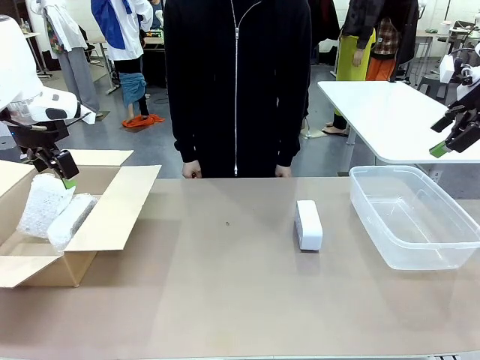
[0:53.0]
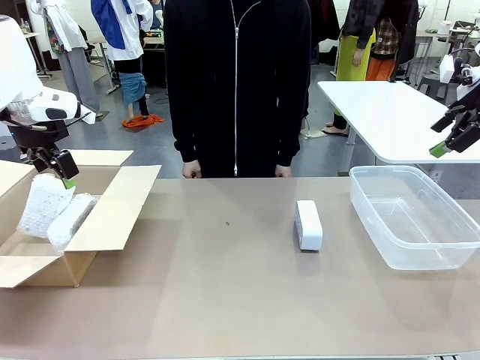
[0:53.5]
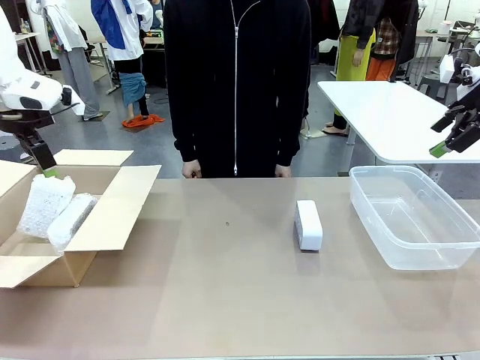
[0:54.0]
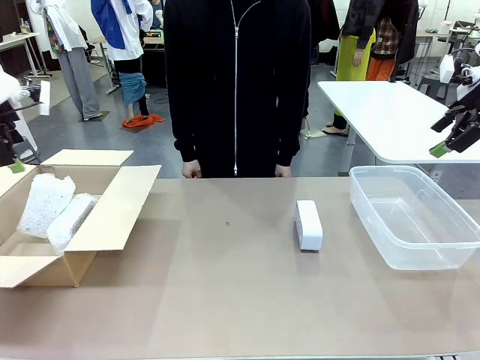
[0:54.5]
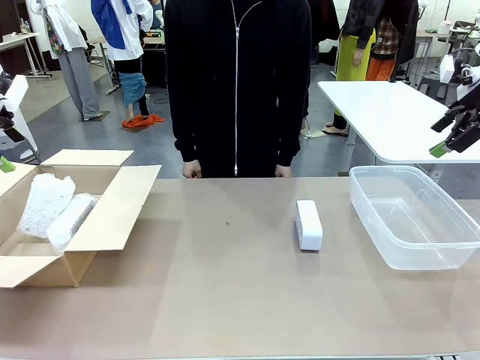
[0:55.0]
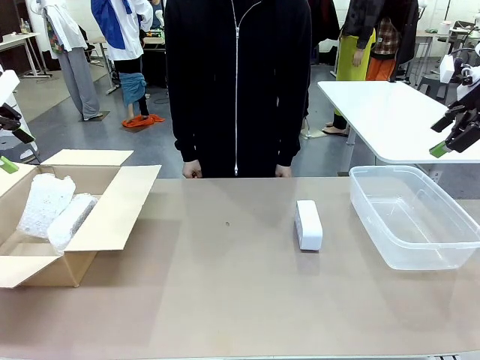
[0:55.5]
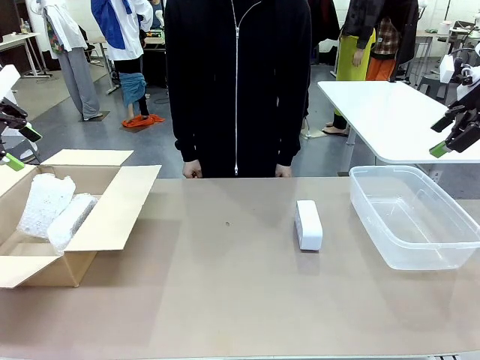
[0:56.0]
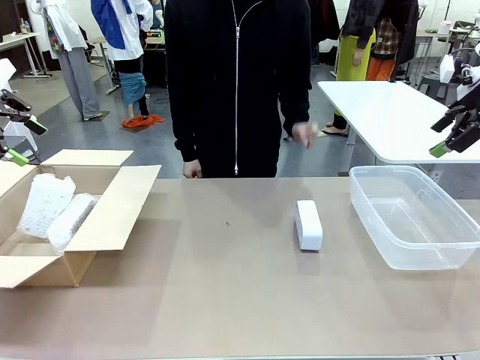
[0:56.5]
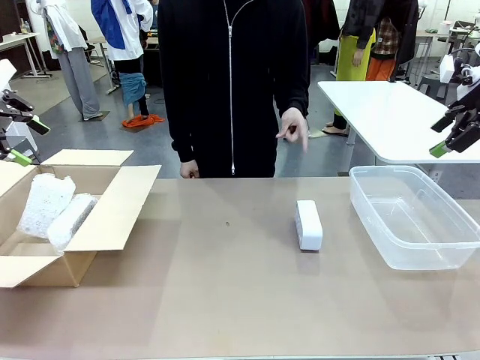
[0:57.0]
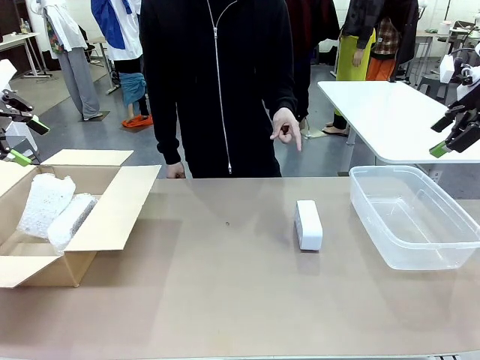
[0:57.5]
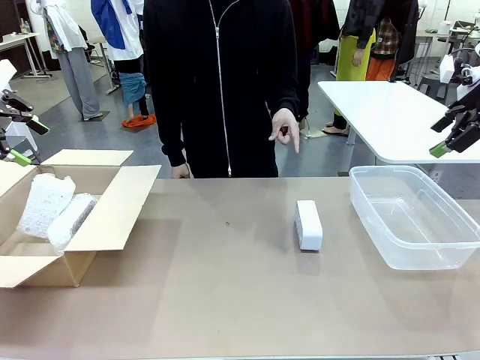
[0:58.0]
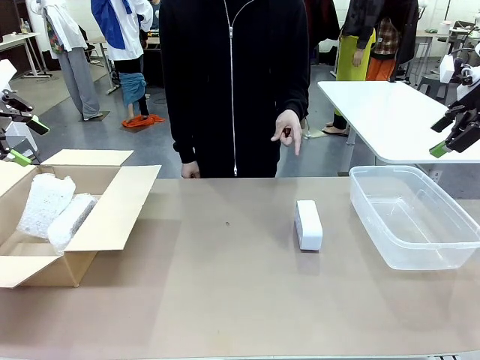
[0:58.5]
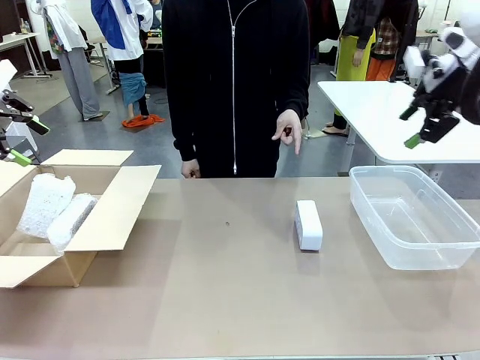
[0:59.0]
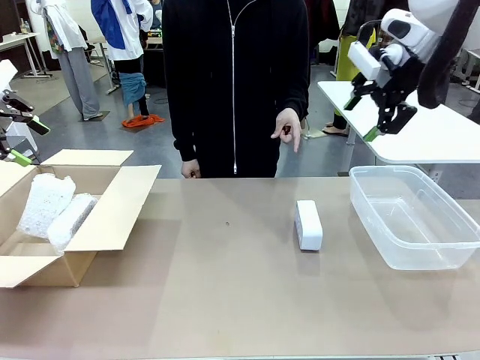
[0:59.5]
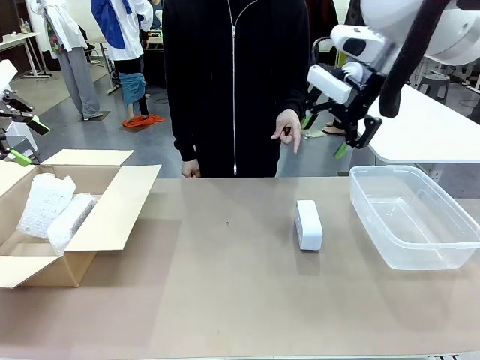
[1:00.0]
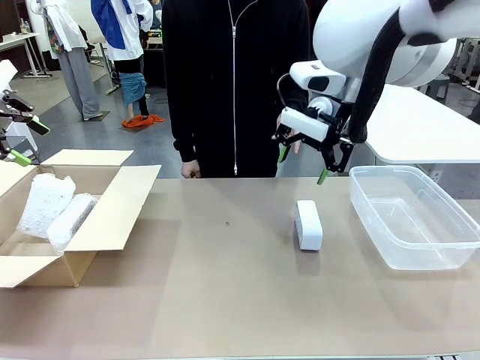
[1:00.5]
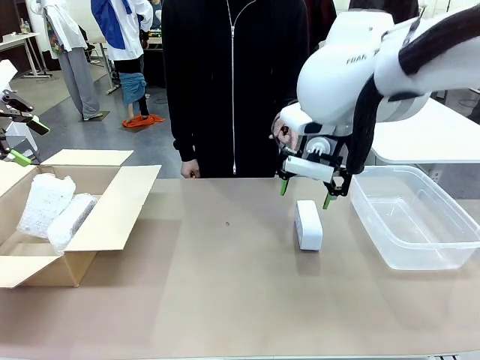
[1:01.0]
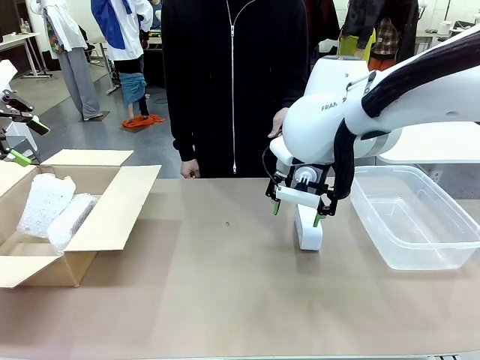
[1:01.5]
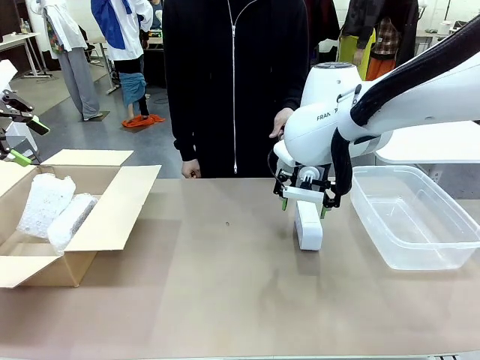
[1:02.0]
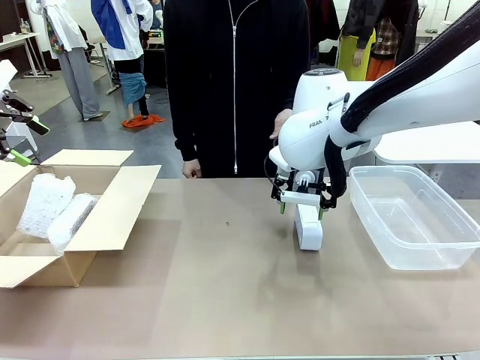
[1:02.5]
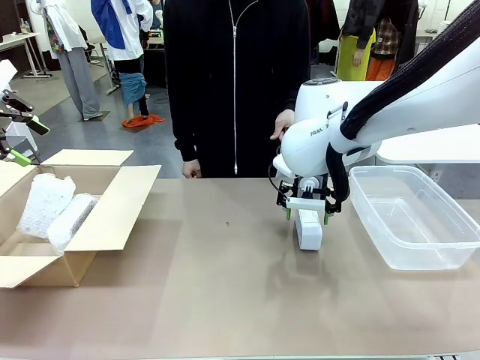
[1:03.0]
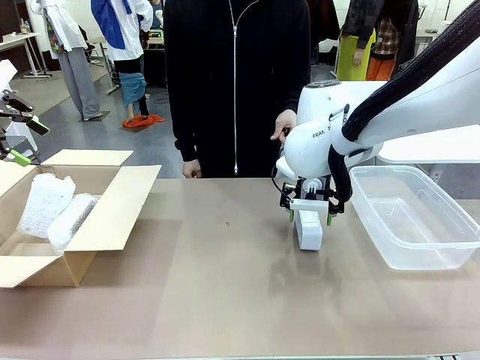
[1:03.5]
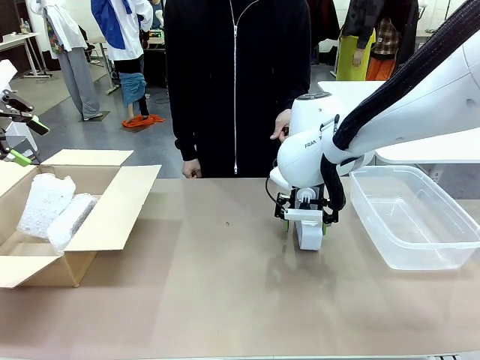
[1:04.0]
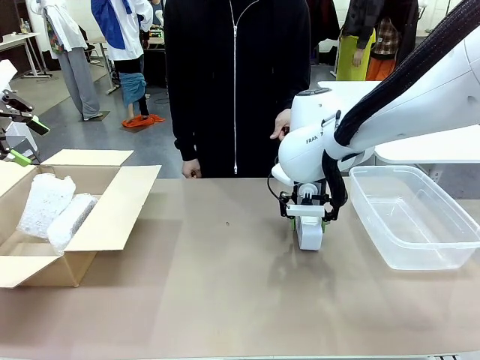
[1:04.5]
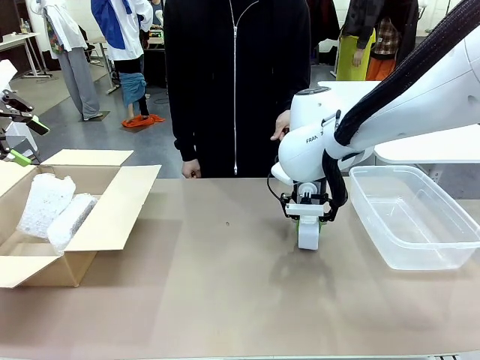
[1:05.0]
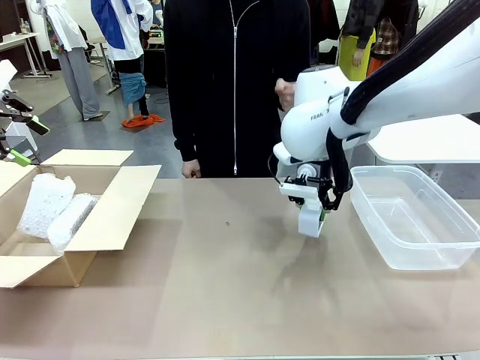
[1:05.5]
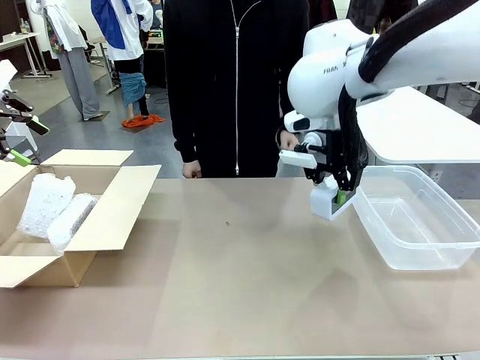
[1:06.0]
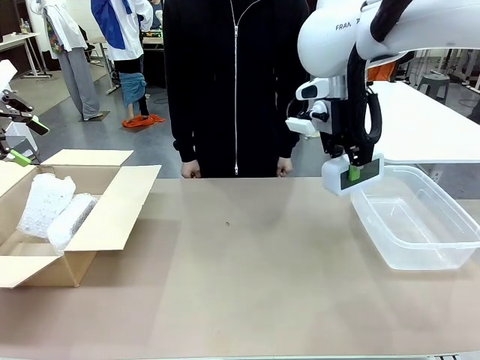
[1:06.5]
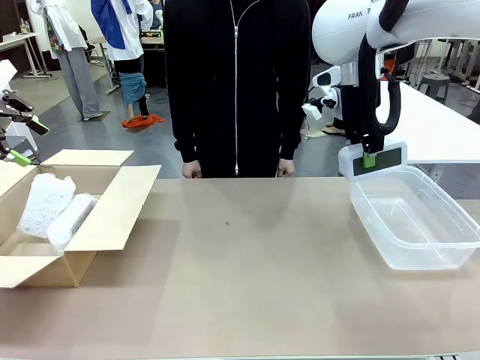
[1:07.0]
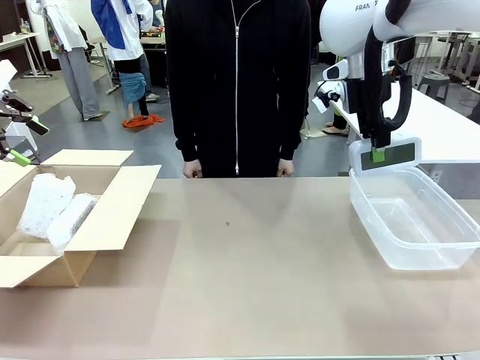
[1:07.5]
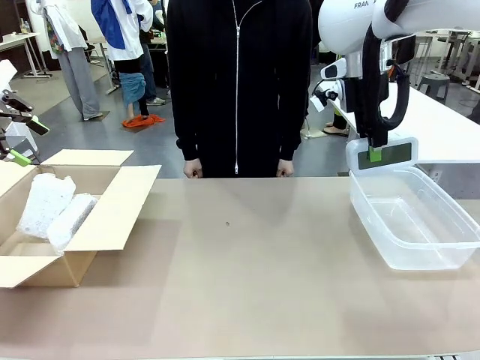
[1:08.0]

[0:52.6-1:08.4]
Task: Separate and place wrapped and unwrapped clocks.
Robot: Pick up the Digital clock indicated by the person.

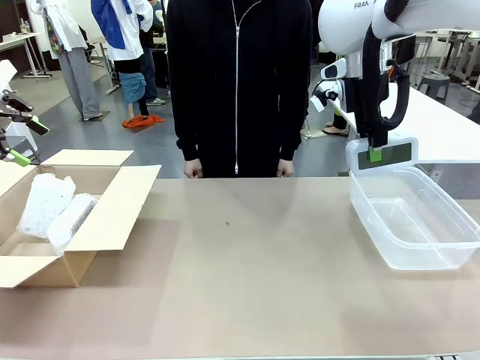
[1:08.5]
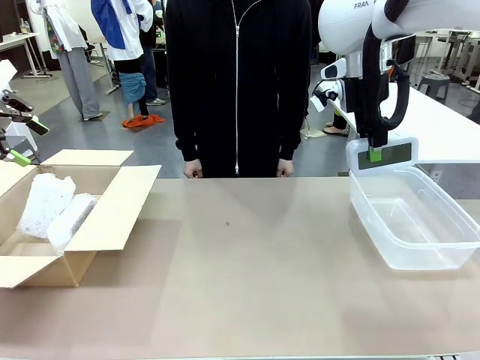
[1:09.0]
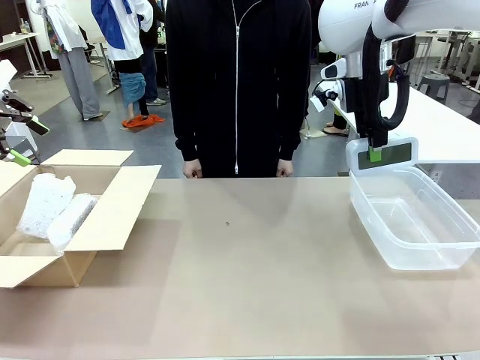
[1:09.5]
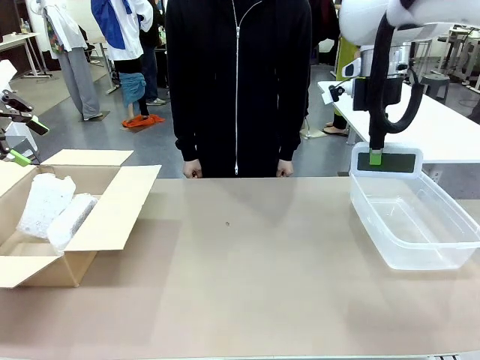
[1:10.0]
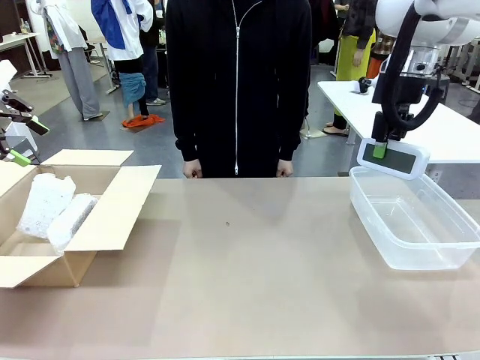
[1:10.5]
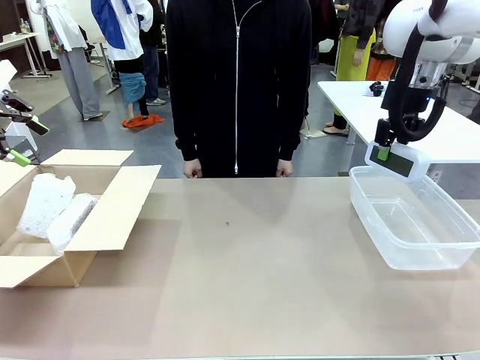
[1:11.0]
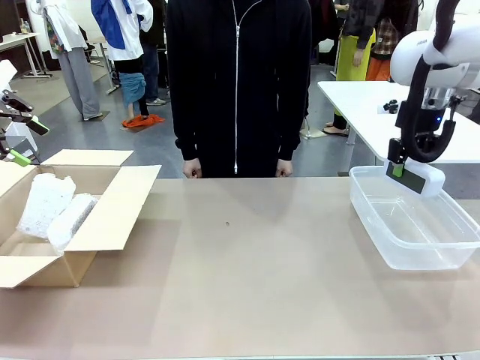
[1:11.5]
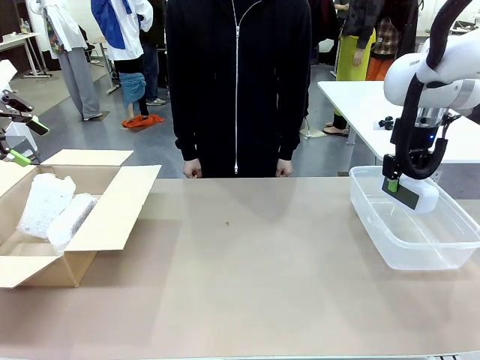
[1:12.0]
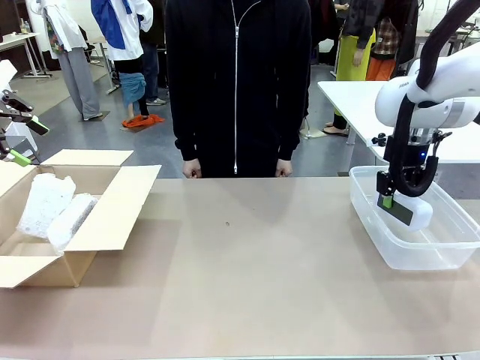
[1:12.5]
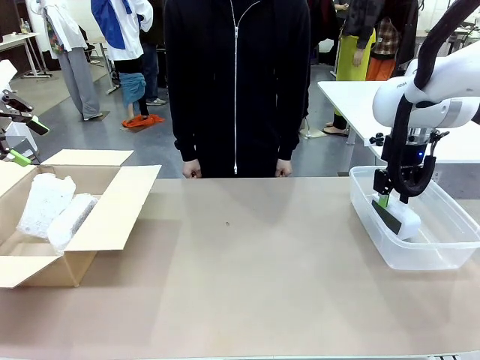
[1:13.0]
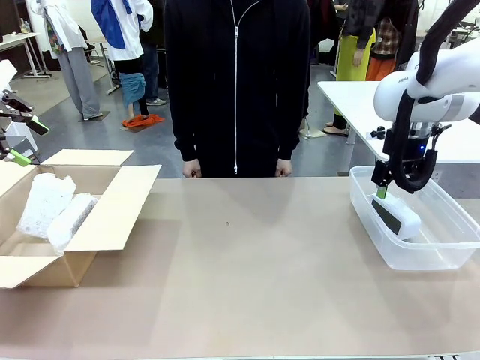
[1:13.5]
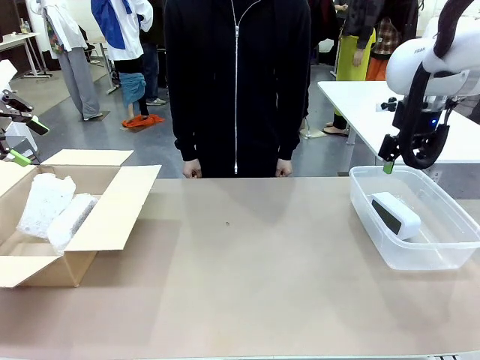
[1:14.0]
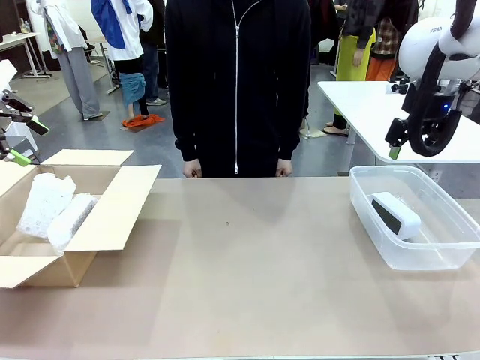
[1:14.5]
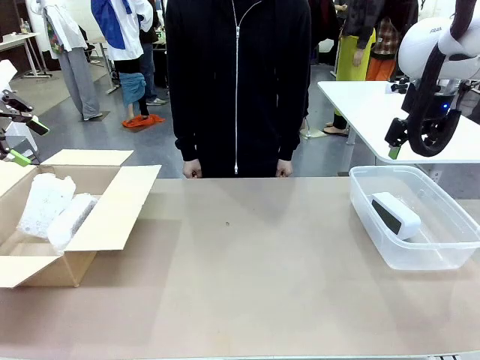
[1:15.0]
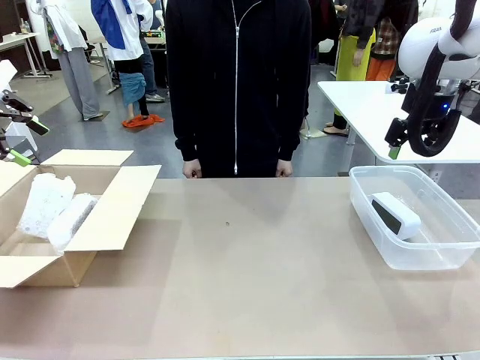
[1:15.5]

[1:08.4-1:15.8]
Robot: If the picked Digital clock is wrapped, place it in the Package Box ; if not, place it in the Organizing box.

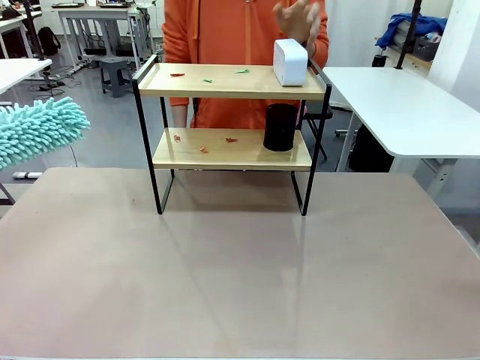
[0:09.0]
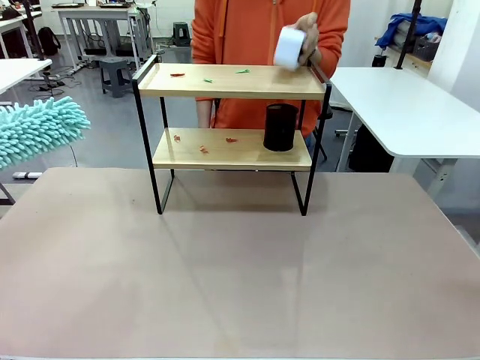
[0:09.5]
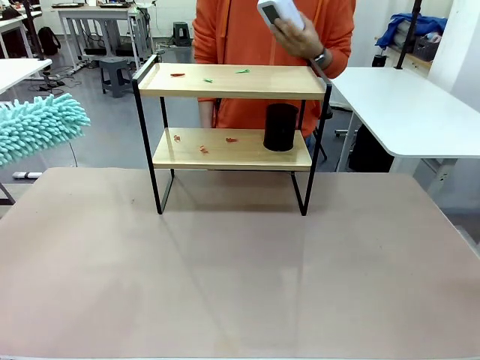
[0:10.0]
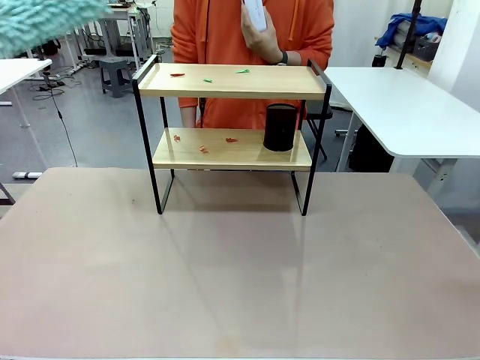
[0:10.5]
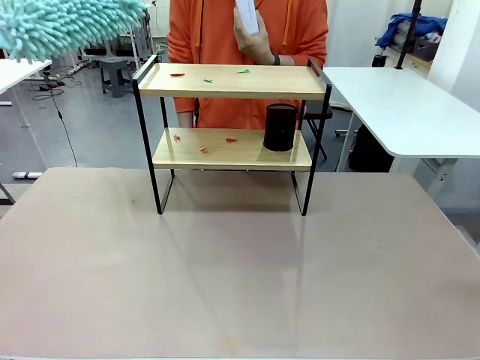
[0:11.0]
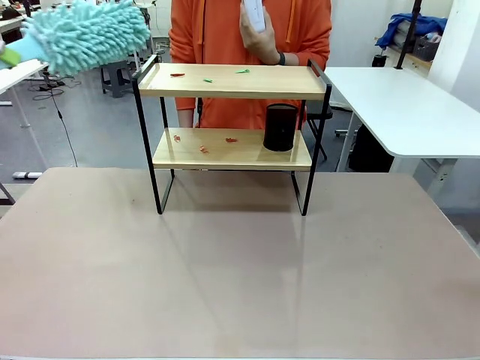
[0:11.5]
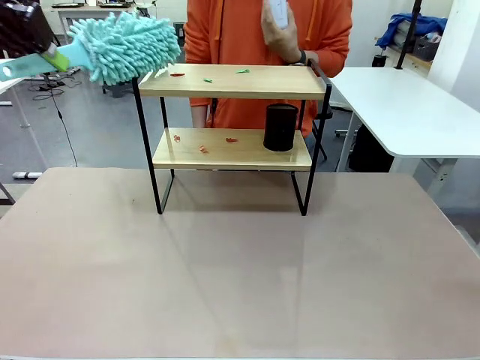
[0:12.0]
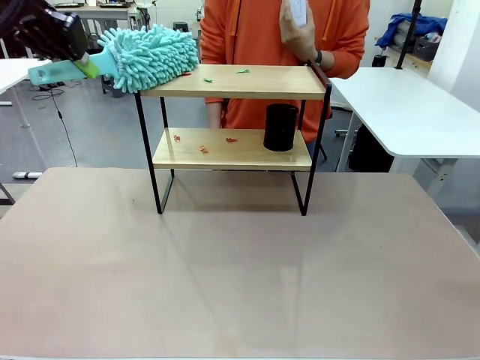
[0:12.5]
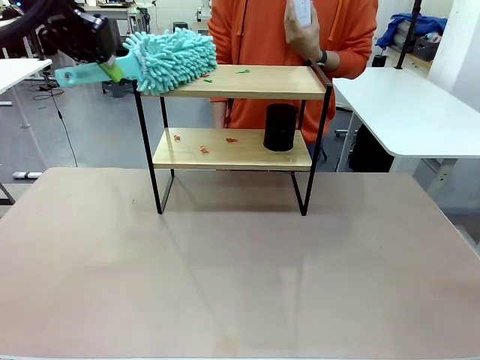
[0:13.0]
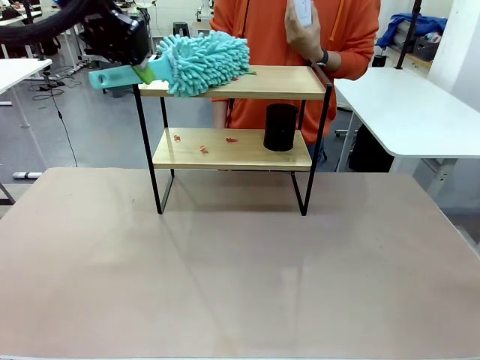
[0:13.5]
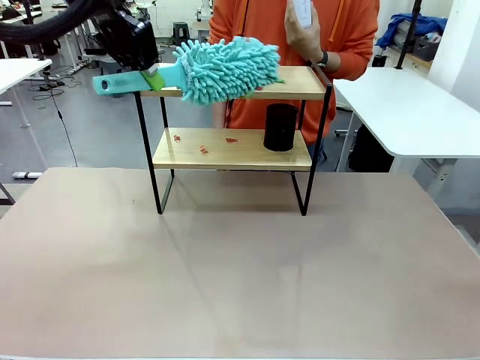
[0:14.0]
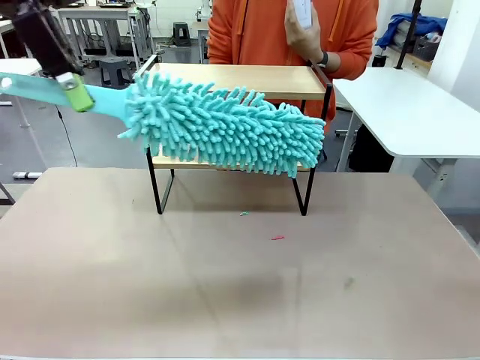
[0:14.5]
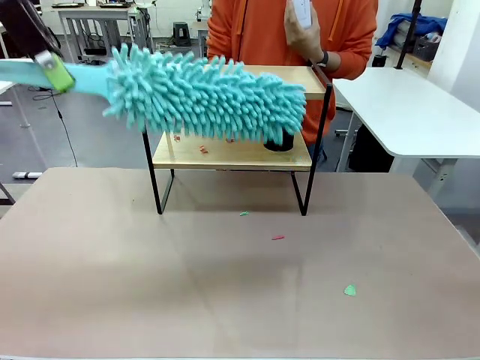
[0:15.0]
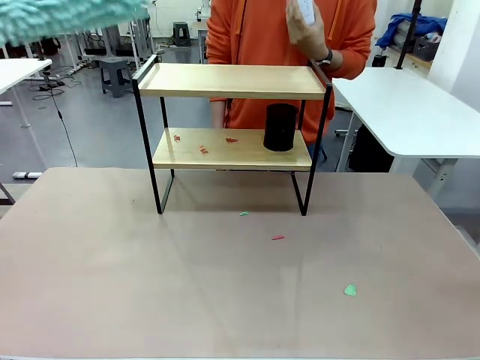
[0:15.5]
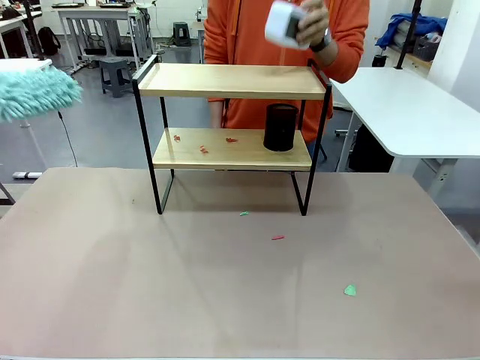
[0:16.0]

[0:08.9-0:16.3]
Task: Clean the shelf.
Robot: Clean the specific tier of the Shelf with the Duster once objects are removed.
Person: Lift the objects on a randomly selected tier of the Shelf. Once the robot finishes cleaning, lift the objects on the remaining tiers of the Shelf.
